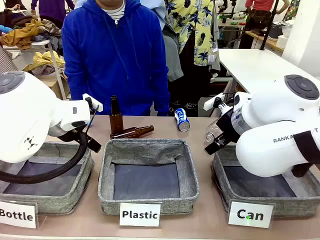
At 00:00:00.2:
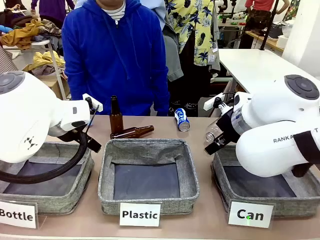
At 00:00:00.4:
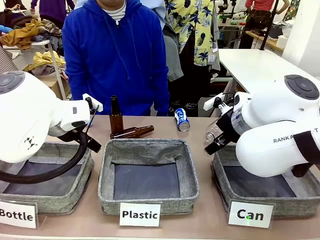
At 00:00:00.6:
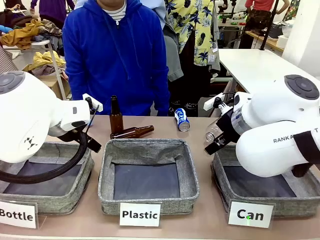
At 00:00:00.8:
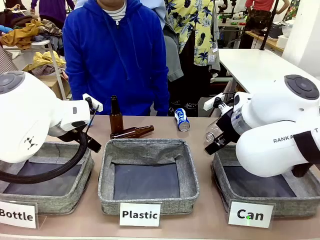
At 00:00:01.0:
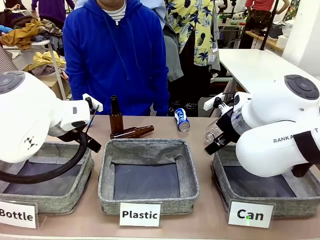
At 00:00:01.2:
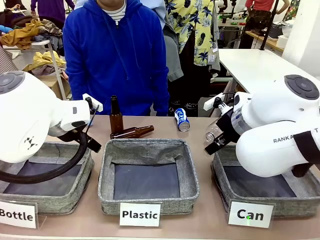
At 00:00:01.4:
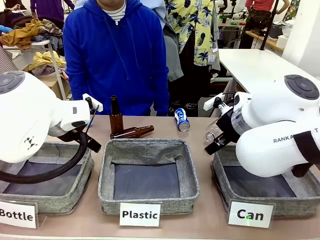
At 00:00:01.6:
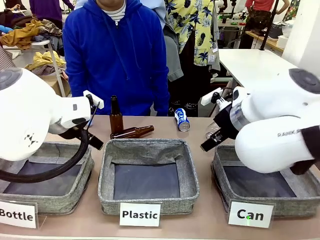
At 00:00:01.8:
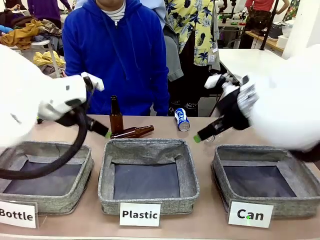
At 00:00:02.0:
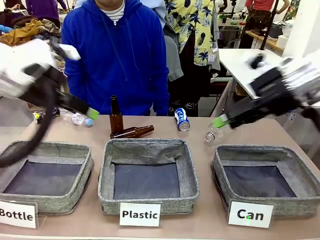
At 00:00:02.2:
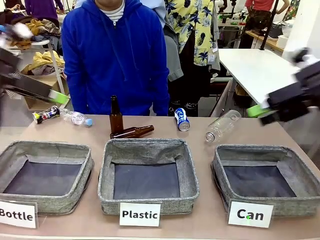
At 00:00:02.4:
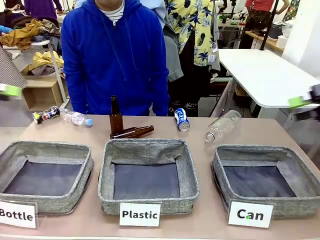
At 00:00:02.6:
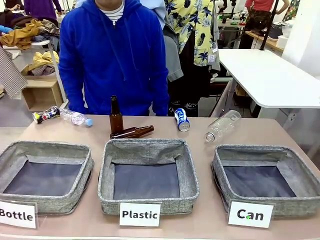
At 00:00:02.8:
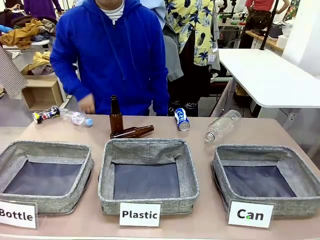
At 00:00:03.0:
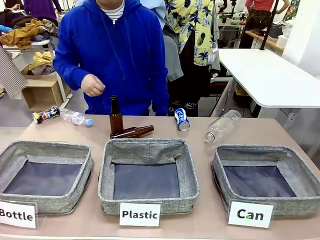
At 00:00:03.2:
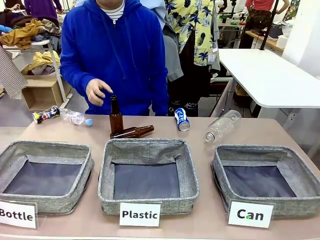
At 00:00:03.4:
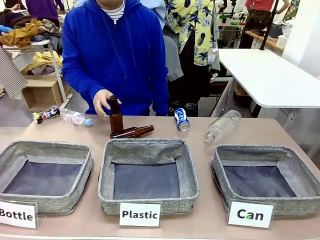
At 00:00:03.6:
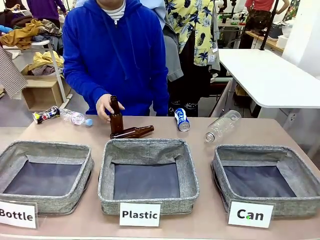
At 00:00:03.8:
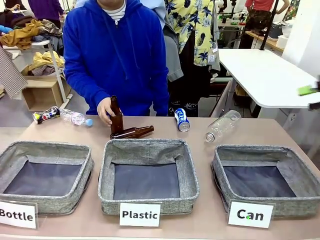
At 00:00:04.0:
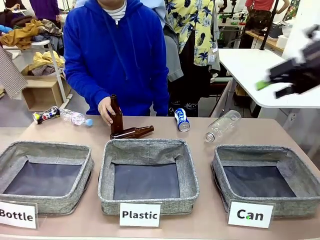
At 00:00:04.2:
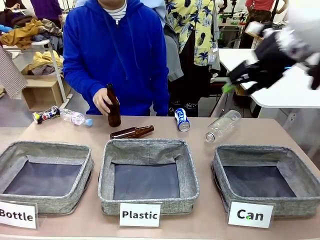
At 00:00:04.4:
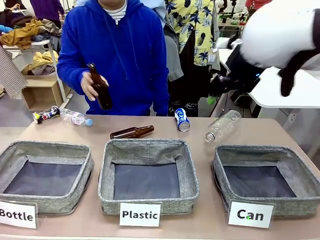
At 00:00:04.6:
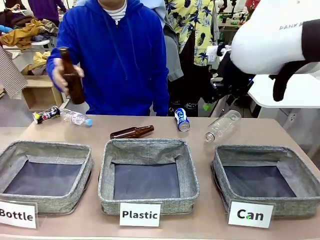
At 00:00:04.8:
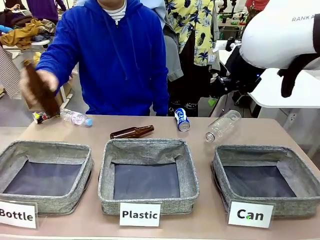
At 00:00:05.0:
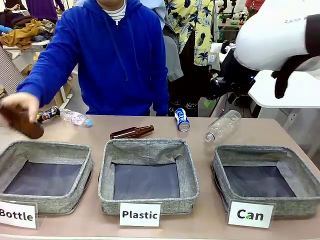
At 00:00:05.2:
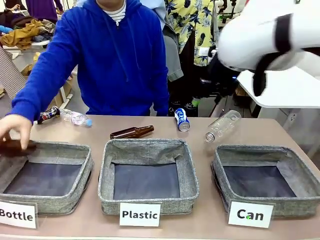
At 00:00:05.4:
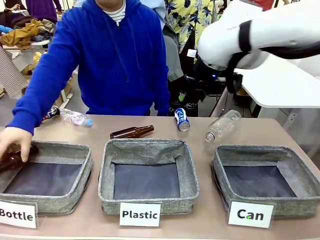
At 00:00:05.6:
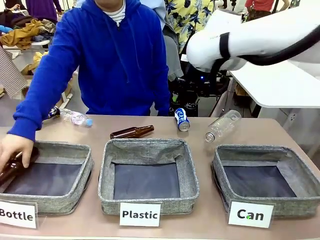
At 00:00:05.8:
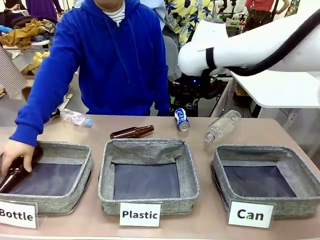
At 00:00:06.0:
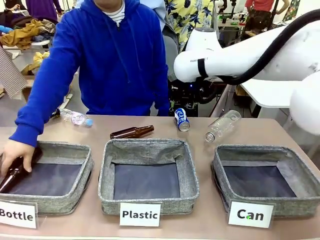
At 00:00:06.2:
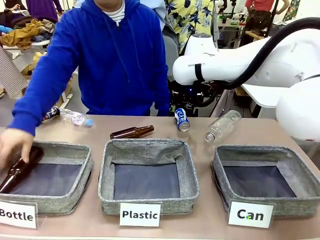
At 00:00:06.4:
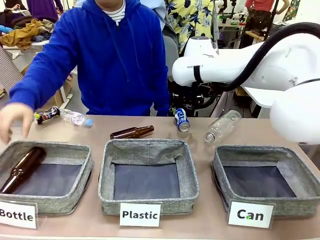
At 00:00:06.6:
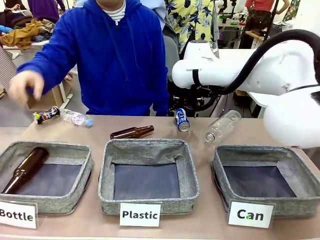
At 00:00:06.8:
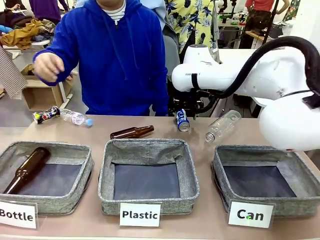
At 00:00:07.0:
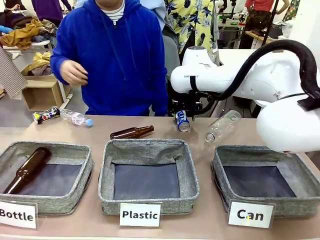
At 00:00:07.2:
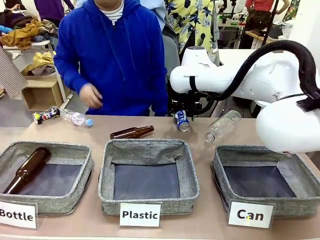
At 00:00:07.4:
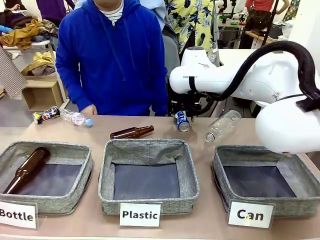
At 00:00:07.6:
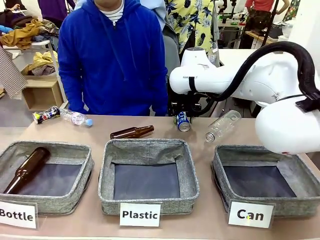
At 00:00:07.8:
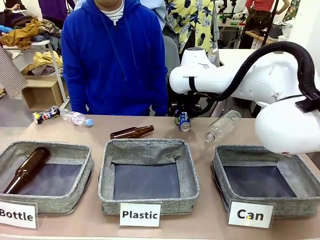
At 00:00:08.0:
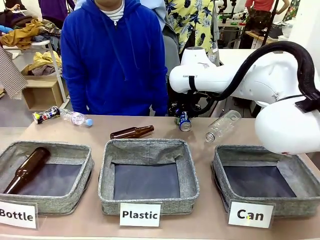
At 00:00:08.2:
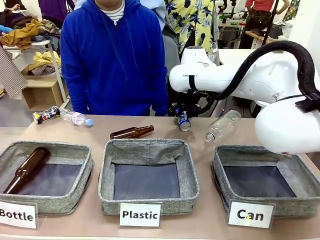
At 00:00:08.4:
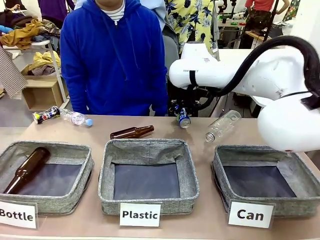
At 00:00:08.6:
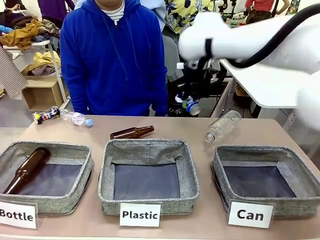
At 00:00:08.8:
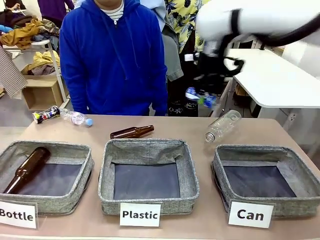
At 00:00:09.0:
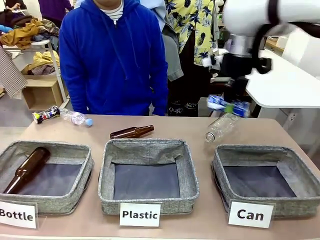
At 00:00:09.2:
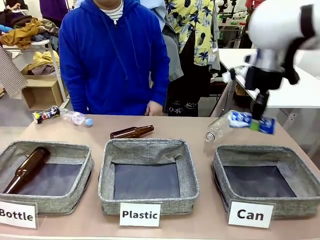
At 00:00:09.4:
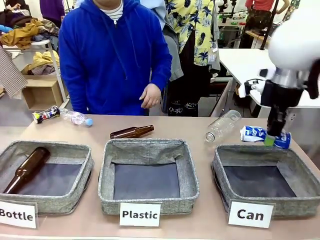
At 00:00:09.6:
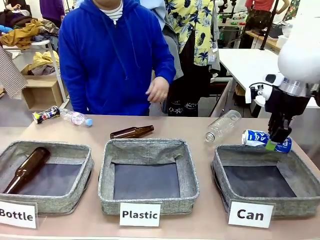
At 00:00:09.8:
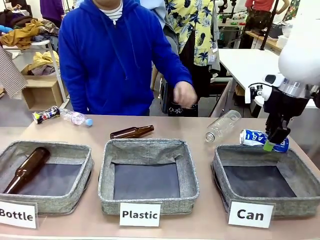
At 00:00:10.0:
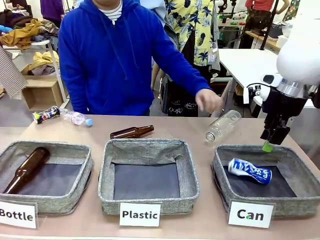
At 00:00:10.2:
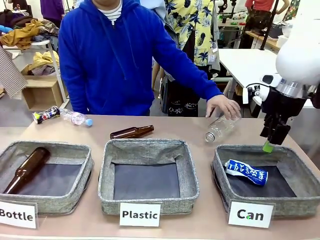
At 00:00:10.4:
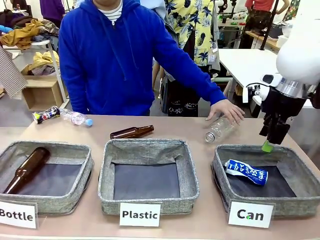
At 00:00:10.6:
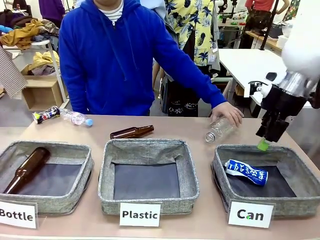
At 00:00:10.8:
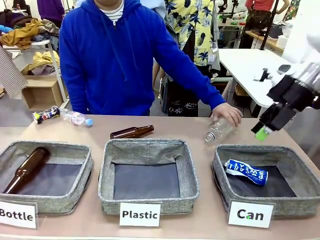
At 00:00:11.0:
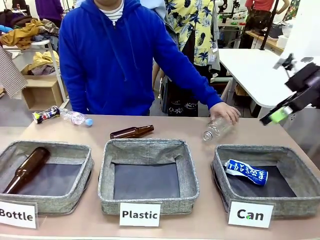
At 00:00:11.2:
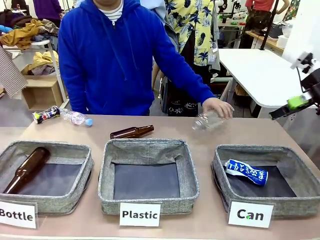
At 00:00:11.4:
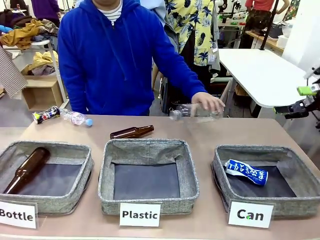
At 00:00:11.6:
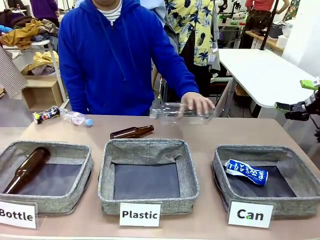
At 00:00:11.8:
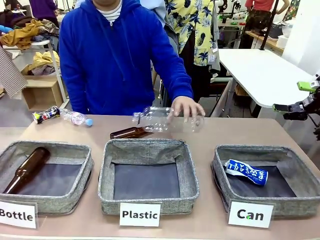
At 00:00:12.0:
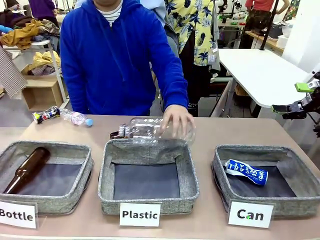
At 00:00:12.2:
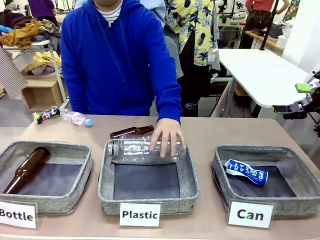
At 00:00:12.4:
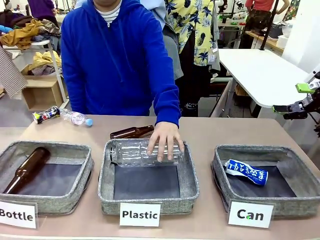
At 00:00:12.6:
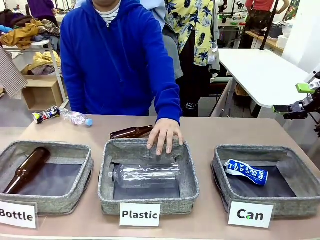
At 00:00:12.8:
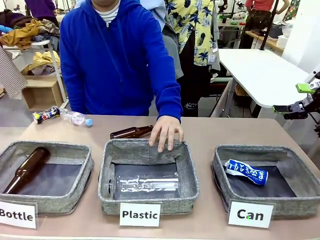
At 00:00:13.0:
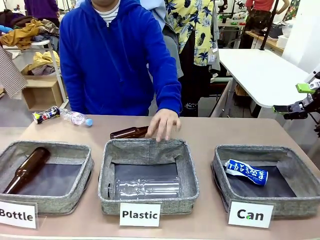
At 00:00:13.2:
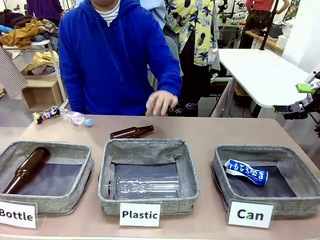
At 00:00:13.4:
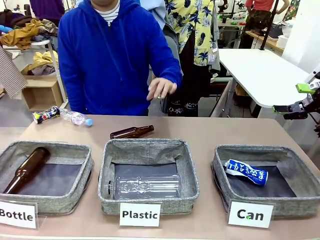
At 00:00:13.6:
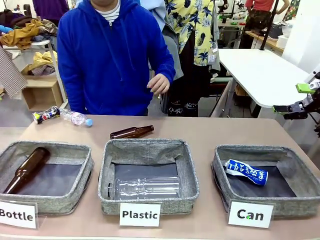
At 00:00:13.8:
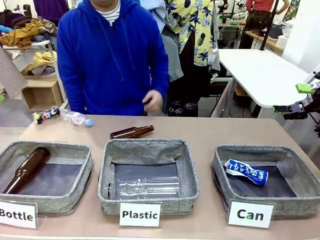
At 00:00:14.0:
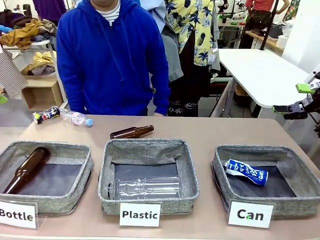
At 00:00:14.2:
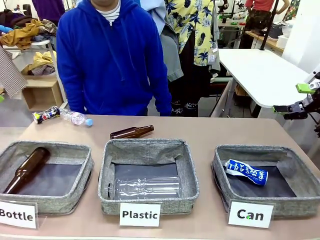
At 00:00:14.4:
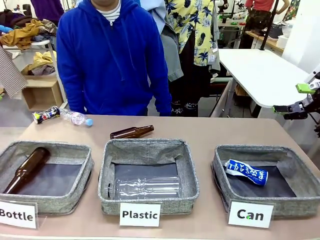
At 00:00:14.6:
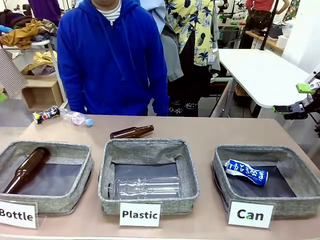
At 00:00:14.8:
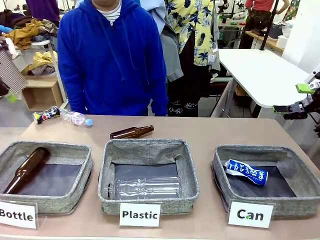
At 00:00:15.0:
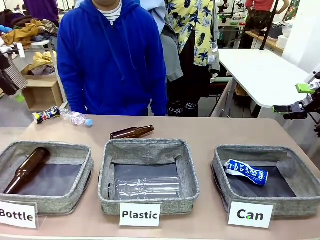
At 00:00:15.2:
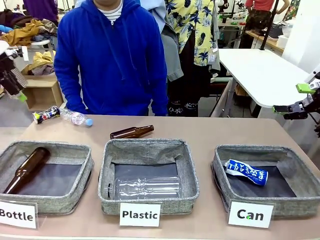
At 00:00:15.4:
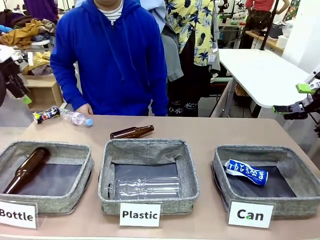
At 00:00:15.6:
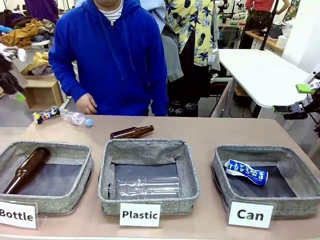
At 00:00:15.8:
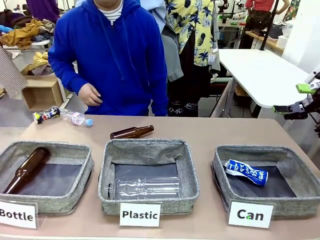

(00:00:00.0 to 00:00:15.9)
Task: Sort the can waste into the basket.
Robot: Pick up the can waste from the table and place it in the right Fabric basket.
